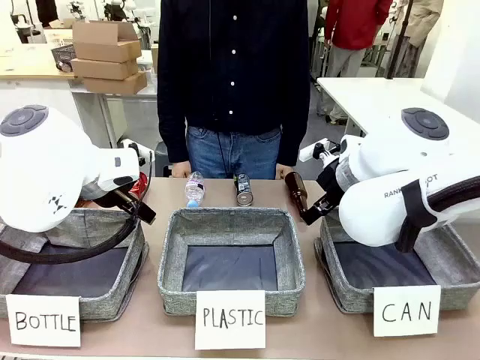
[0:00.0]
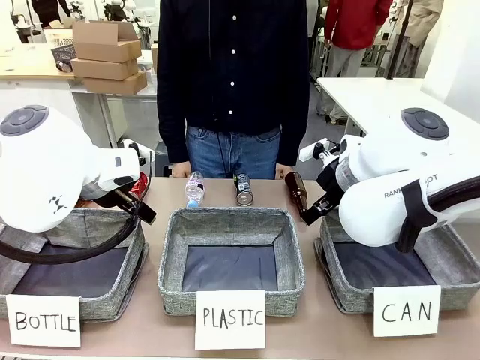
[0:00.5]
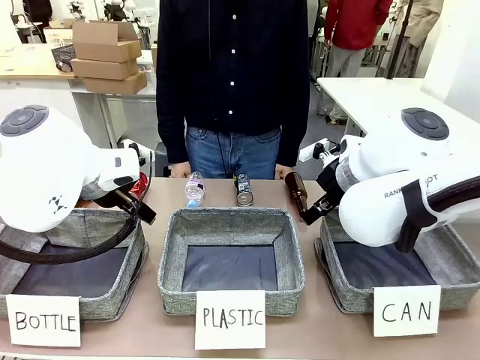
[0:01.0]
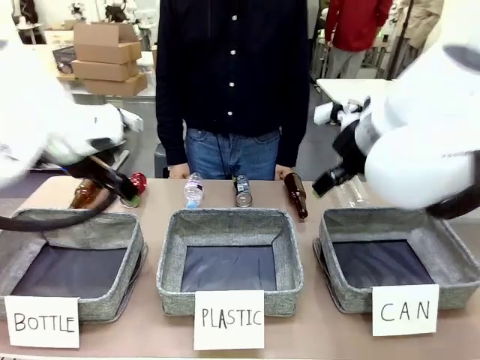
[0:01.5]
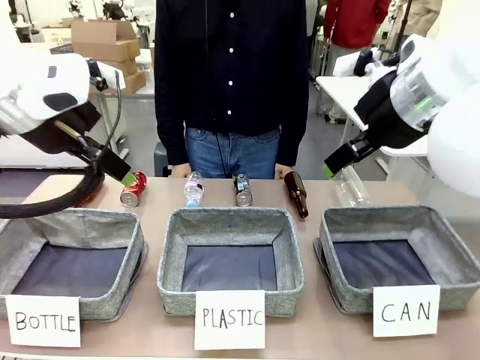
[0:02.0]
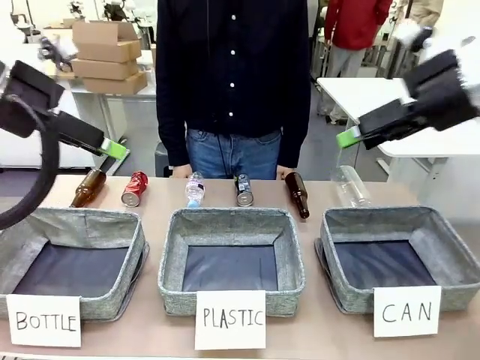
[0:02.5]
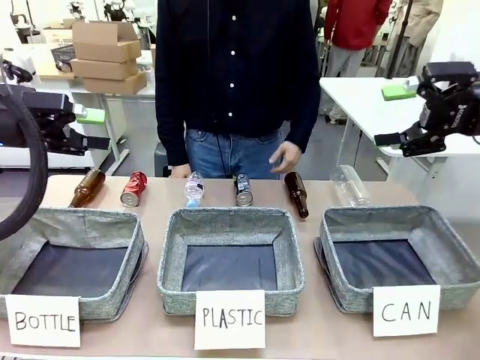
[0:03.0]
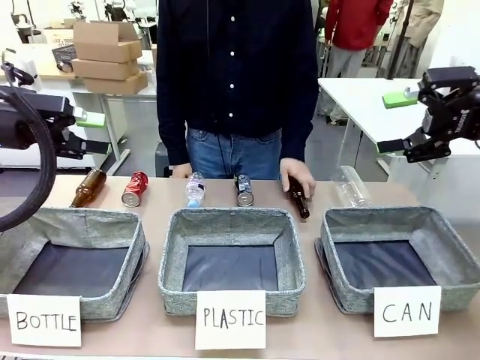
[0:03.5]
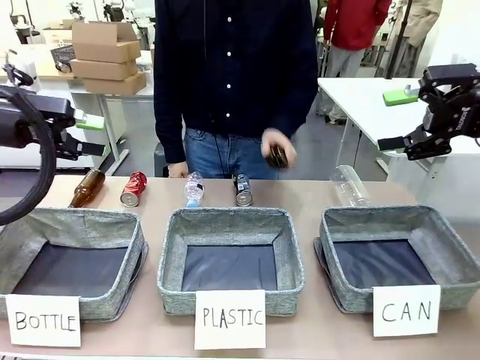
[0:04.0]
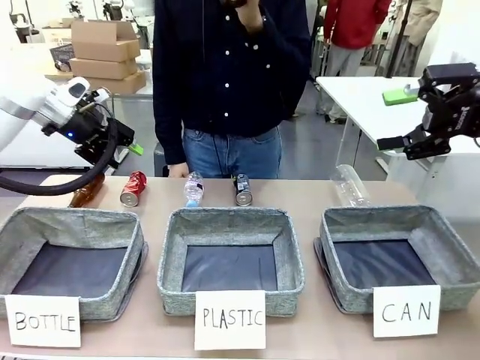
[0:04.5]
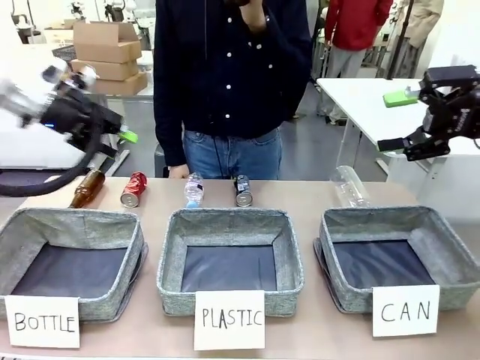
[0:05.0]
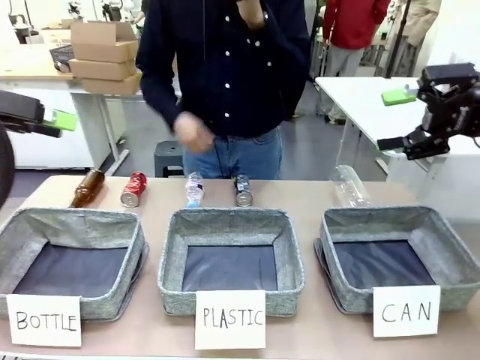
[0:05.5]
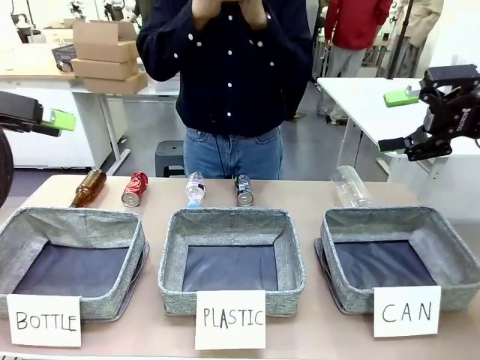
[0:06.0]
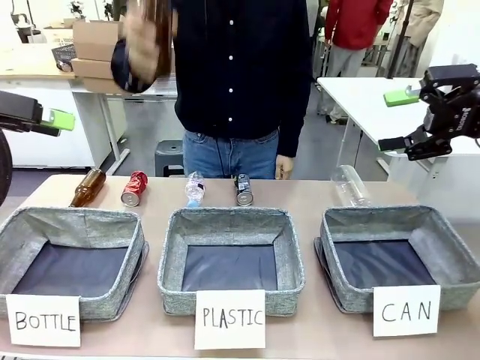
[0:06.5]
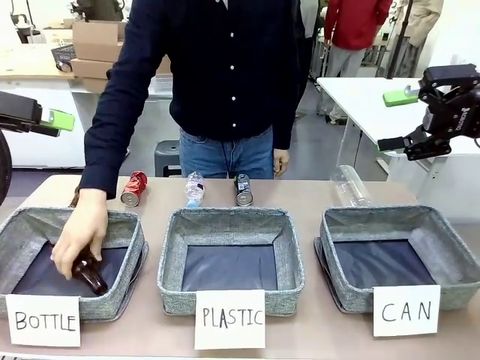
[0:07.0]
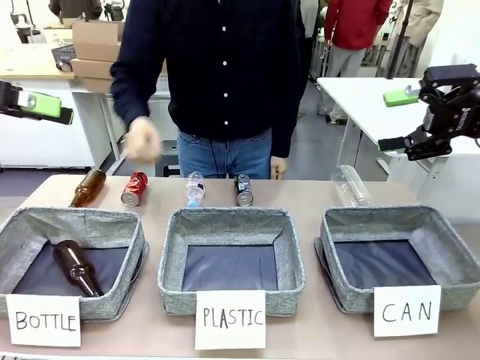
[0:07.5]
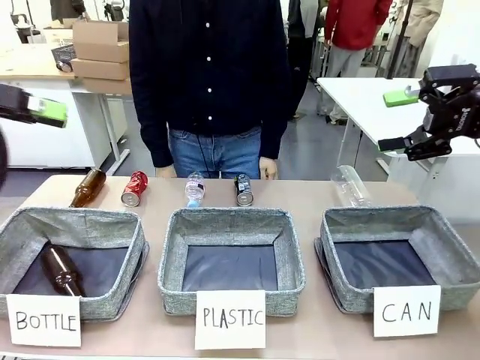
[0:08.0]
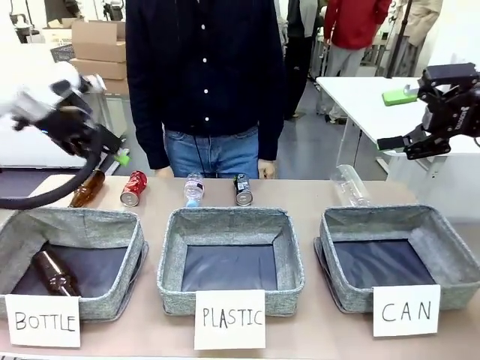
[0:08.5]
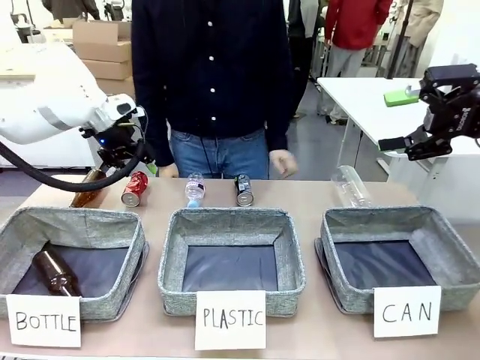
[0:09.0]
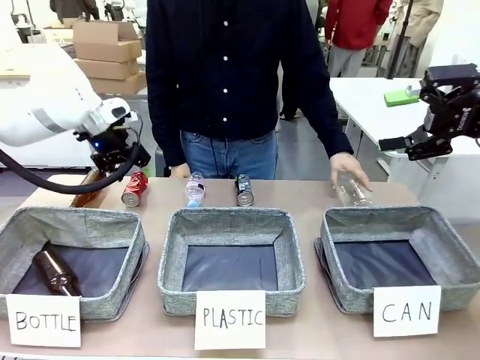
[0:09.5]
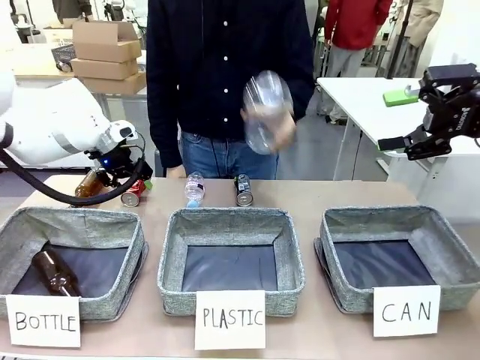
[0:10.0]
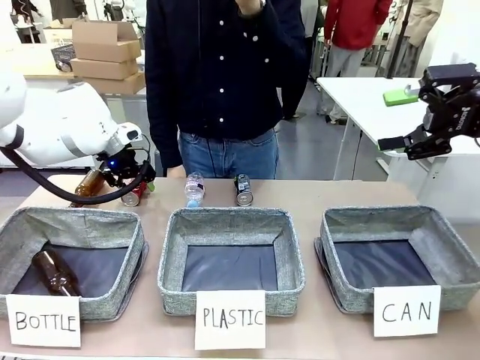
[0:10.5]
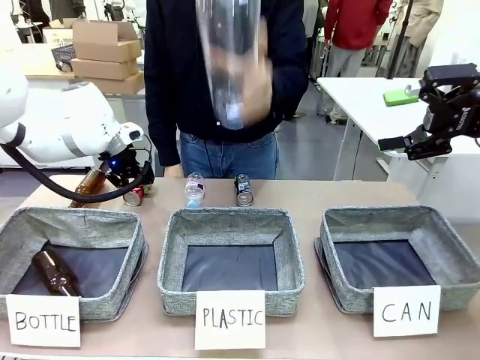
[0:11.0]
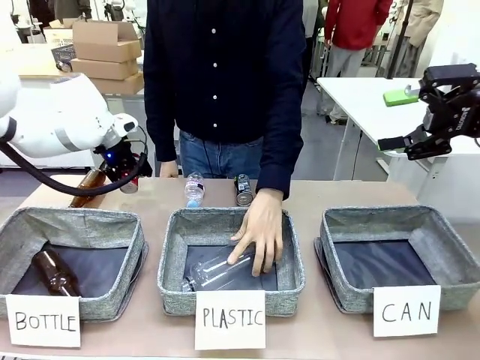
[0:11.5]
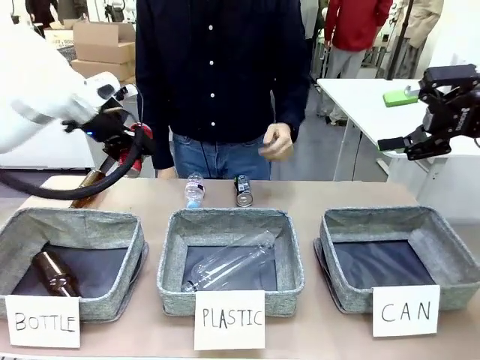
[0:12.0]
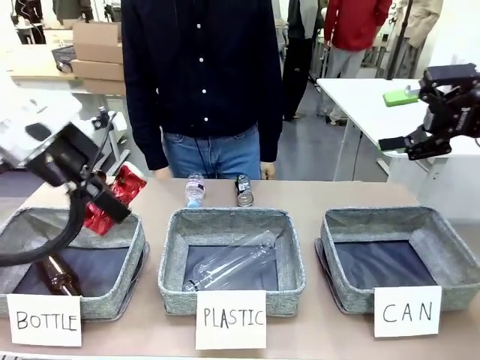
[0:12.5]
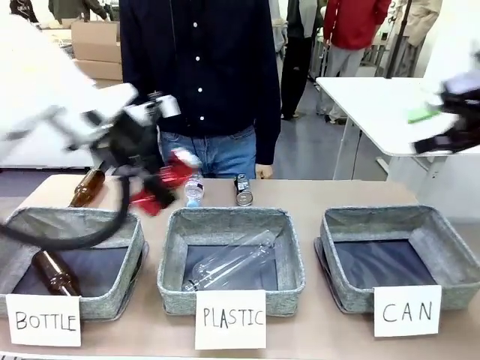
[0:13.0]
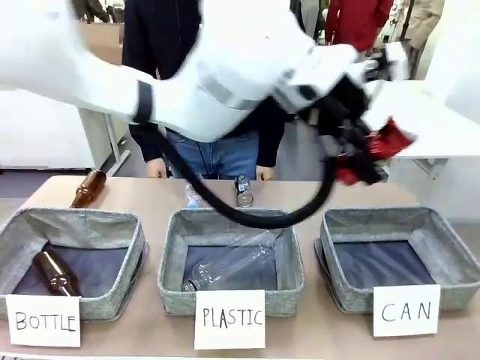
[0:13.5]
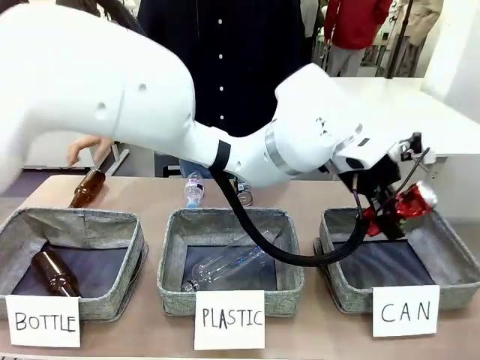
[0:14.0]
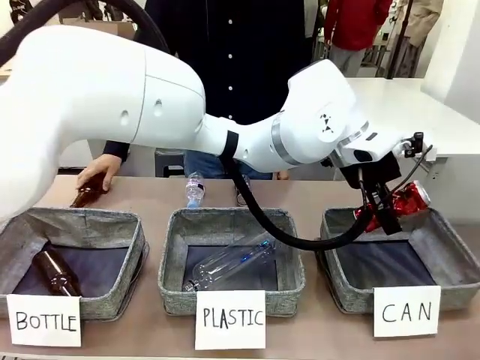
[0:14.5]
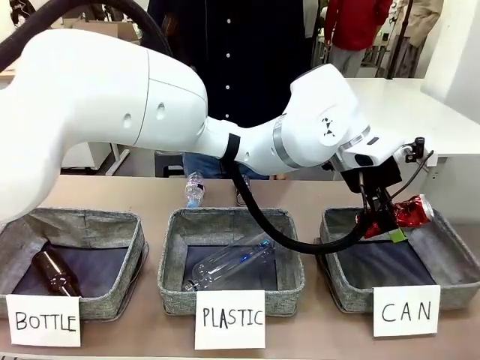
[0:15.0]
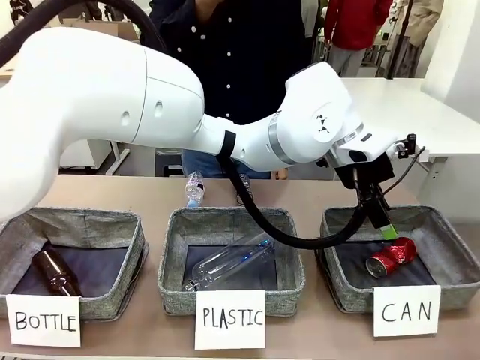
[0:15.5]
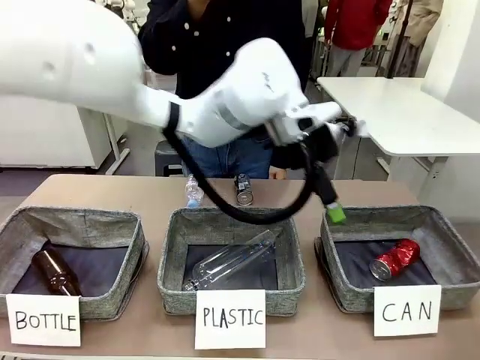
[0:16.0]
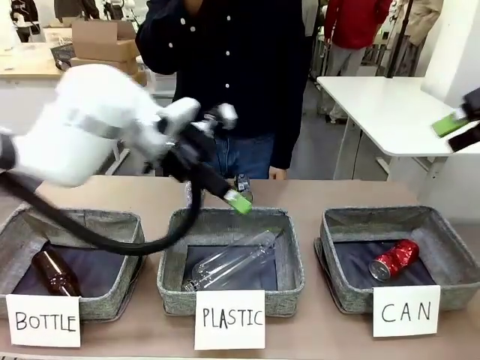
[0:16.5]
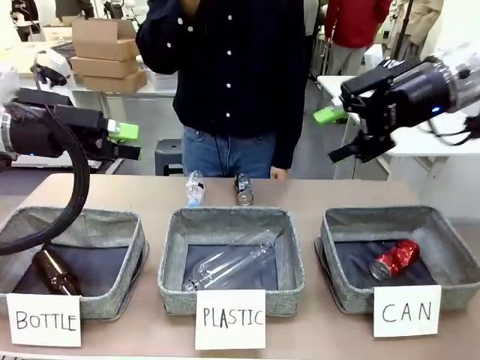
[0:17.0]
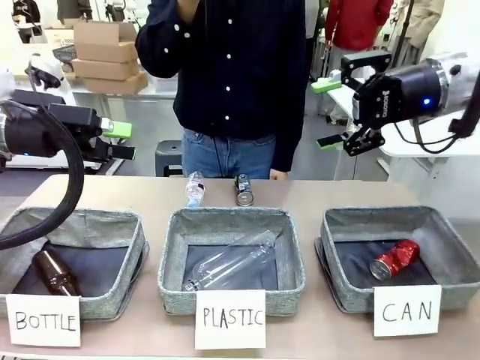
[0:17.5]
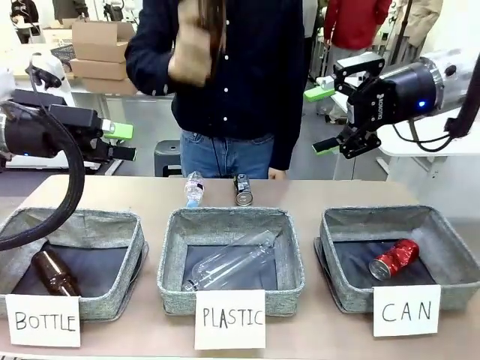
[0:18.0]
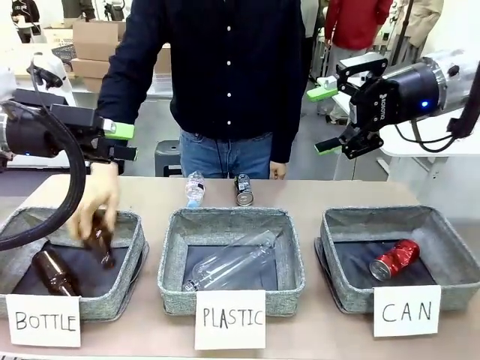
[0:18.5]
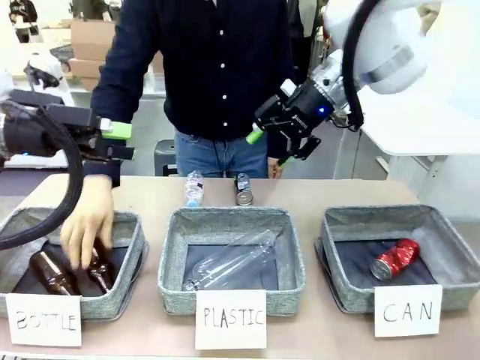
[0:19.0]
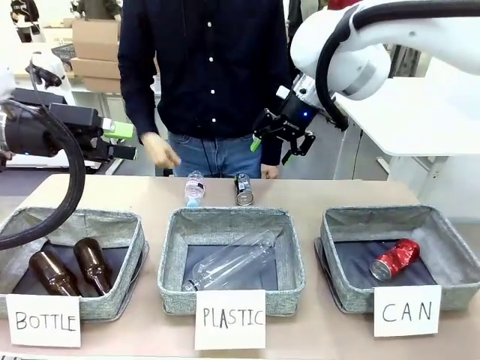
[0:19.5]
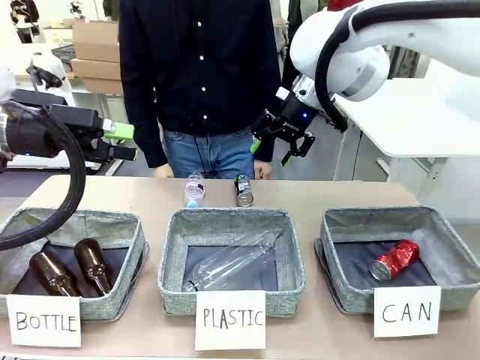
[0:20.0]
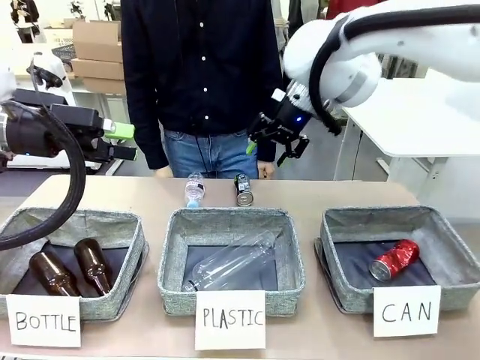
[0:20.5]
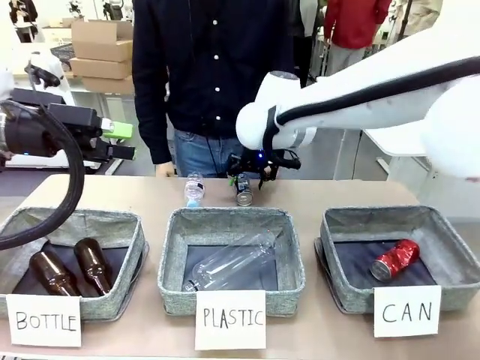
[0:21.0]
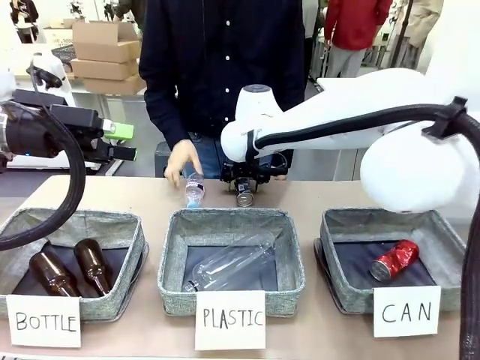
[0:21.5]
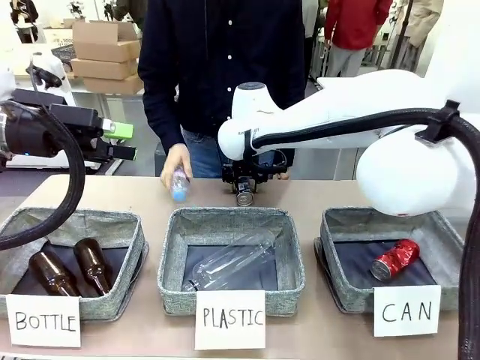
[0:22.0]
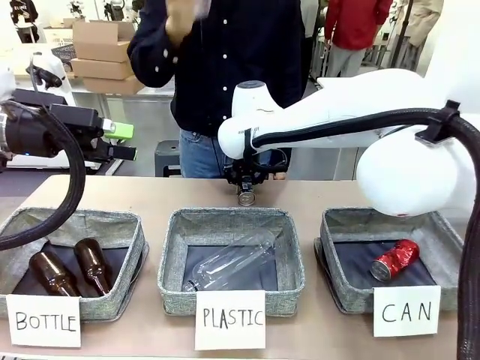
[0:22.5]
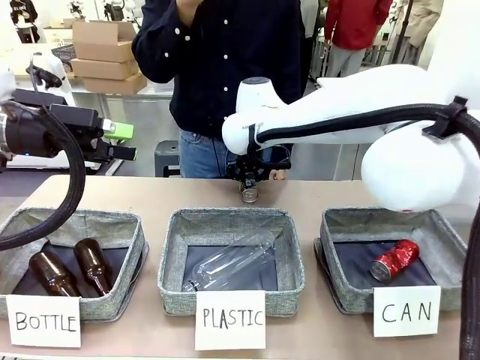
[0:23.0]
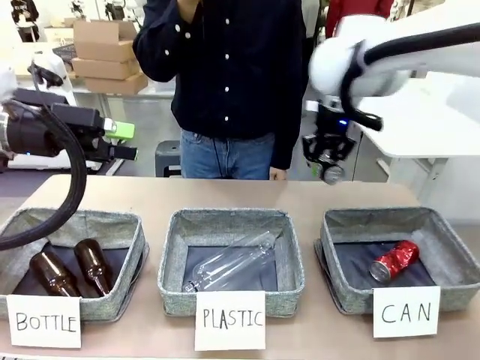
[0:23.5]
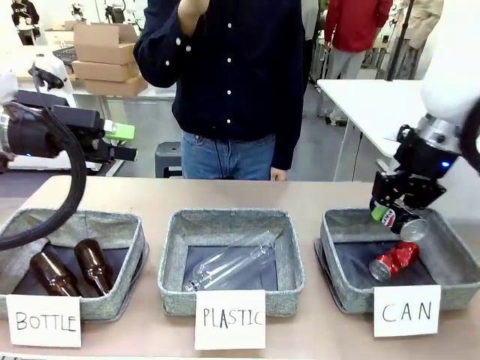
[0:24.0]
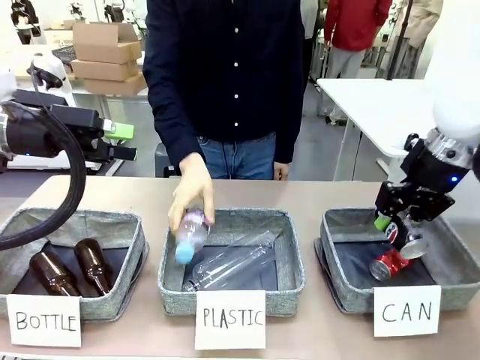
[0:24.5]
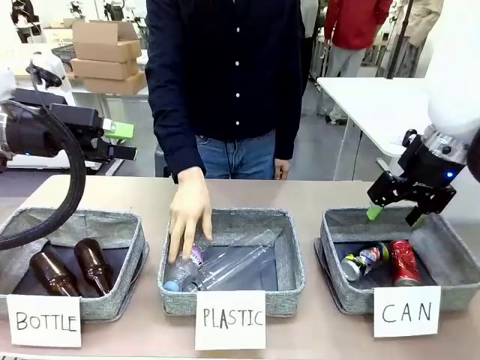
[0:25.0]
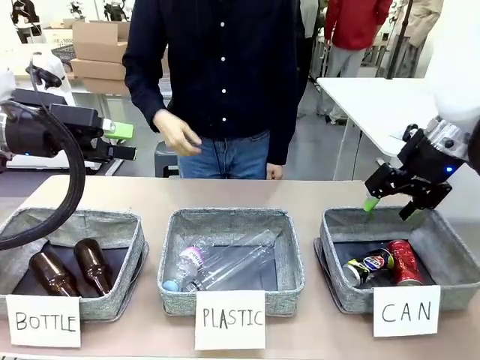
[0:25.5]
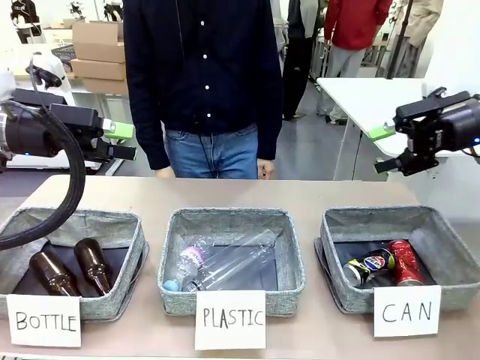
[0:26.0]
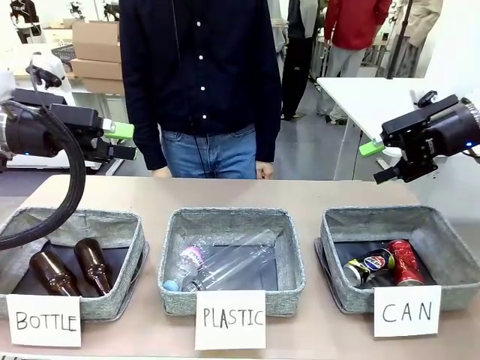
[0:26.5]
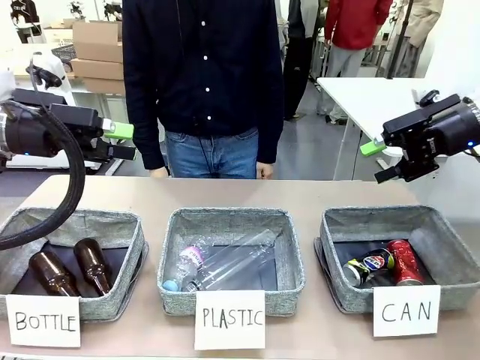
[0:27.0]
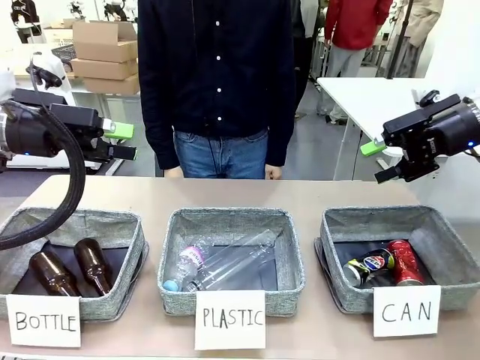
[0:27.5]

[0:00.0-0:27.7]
Task: Sort the can waste into the basket.
Robot: Pick up the can waste from the table and place it in the right Fabric basket.
Person: The human picks up one piece of trash that is not a can and places the trash into the appropriate organizing basket.
